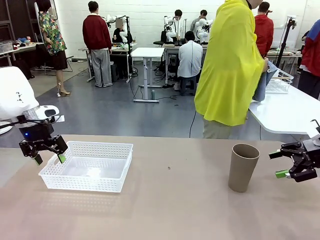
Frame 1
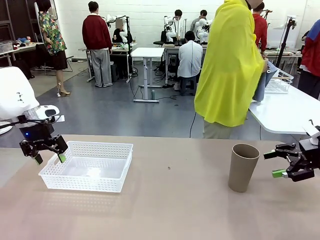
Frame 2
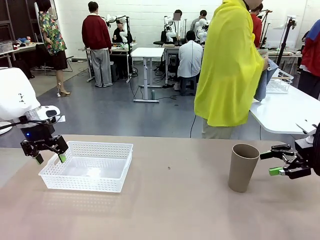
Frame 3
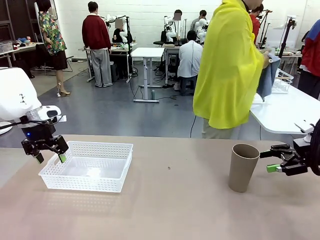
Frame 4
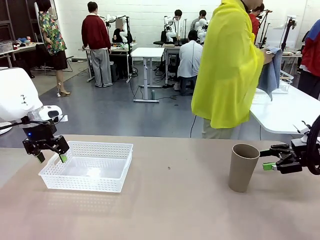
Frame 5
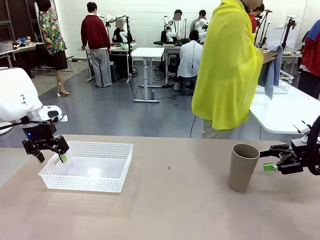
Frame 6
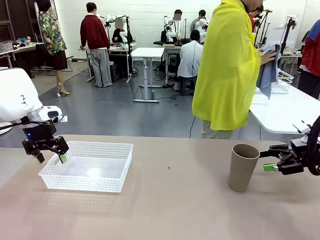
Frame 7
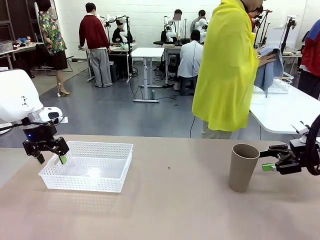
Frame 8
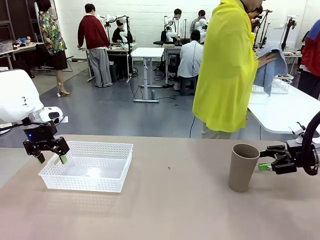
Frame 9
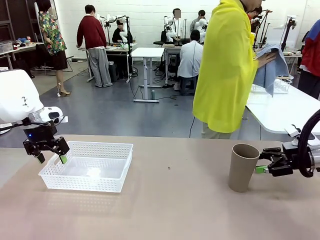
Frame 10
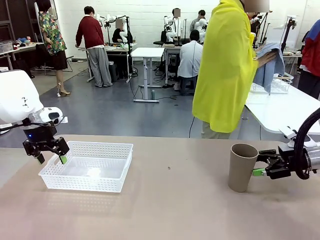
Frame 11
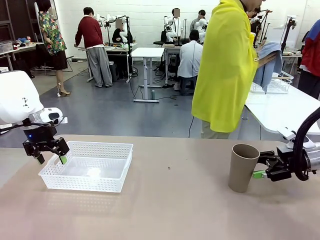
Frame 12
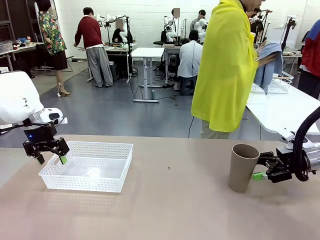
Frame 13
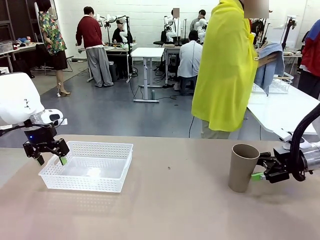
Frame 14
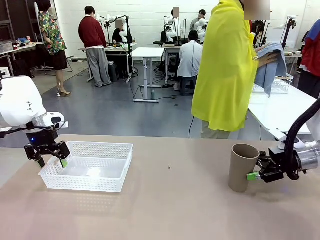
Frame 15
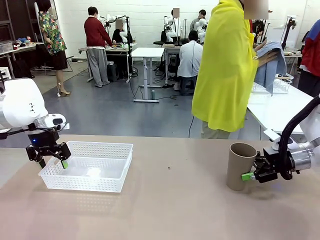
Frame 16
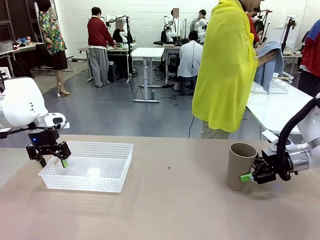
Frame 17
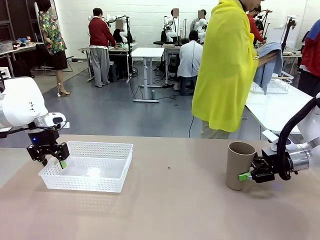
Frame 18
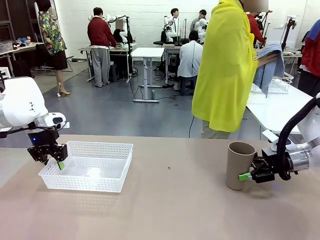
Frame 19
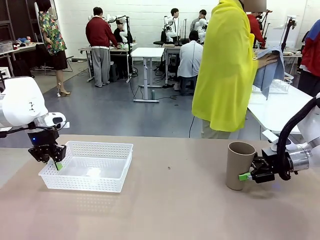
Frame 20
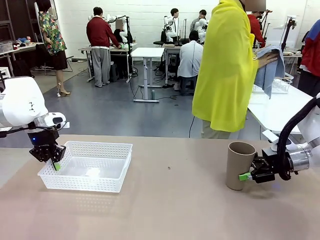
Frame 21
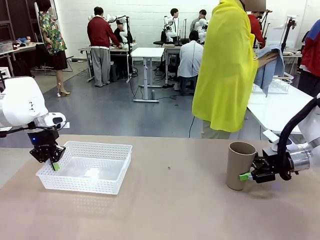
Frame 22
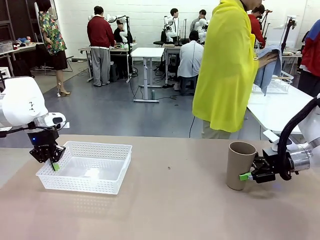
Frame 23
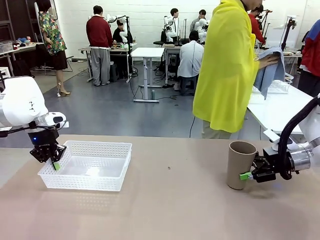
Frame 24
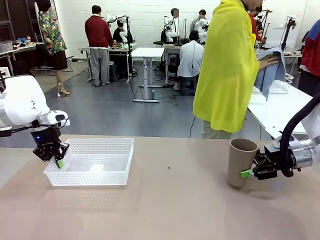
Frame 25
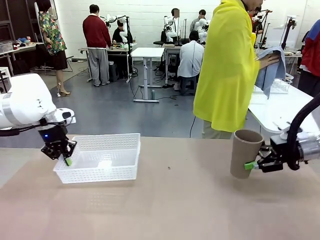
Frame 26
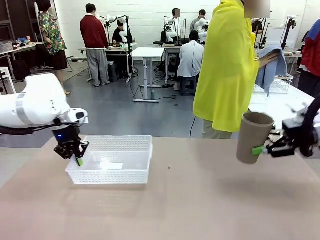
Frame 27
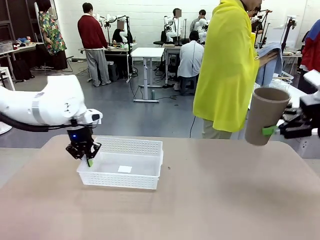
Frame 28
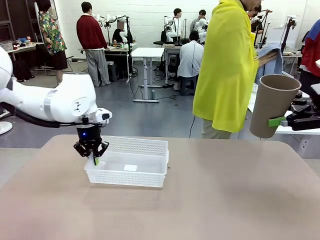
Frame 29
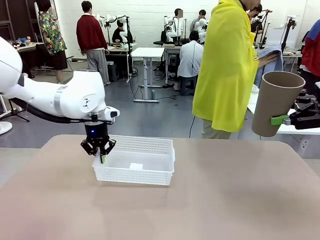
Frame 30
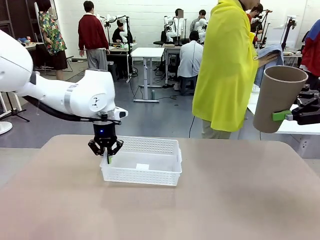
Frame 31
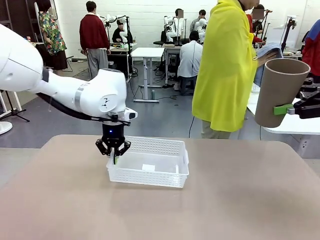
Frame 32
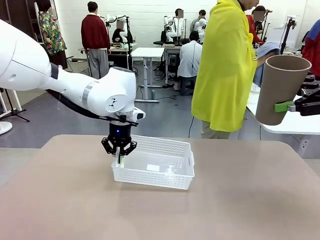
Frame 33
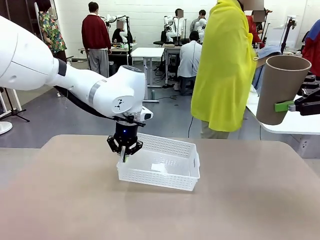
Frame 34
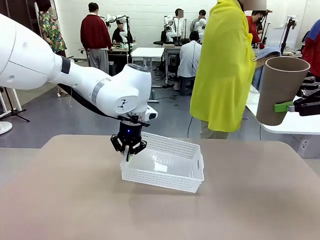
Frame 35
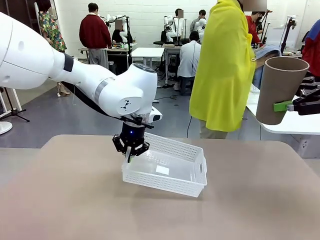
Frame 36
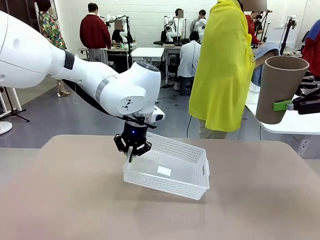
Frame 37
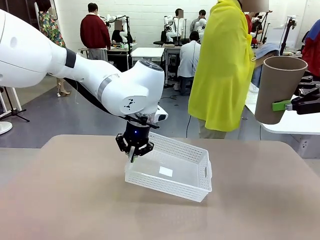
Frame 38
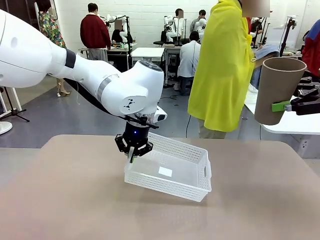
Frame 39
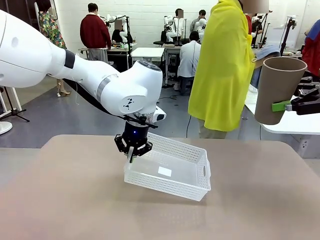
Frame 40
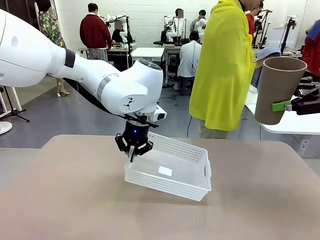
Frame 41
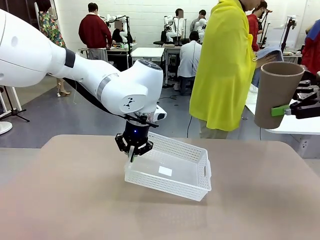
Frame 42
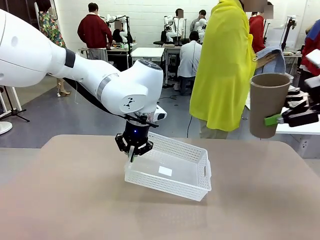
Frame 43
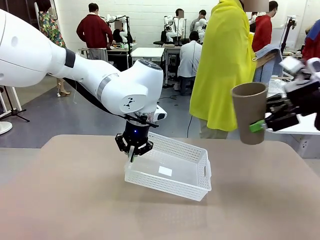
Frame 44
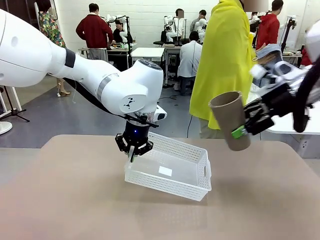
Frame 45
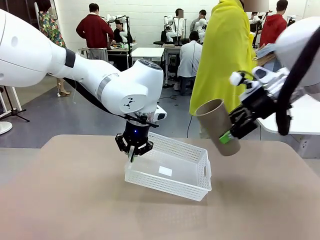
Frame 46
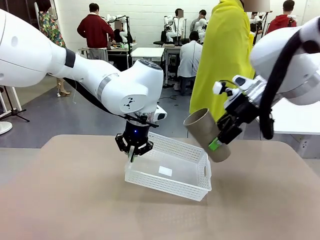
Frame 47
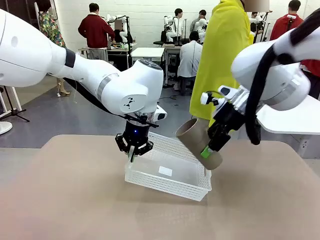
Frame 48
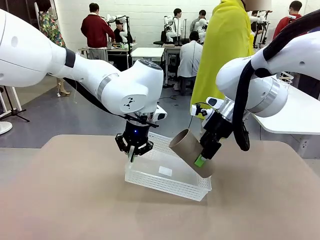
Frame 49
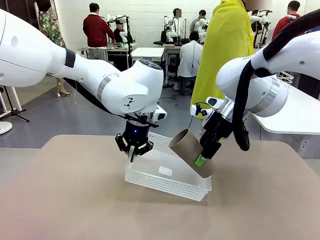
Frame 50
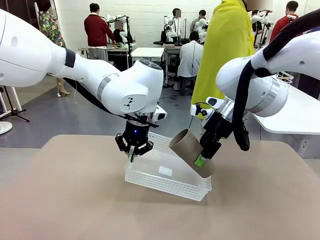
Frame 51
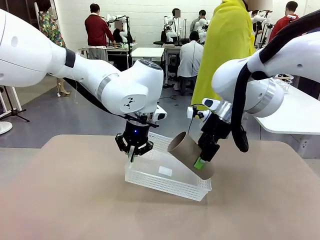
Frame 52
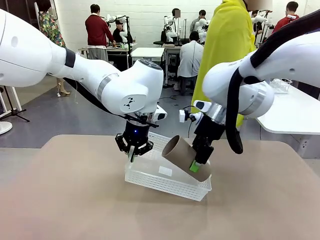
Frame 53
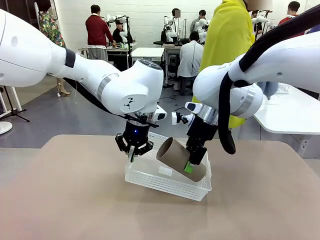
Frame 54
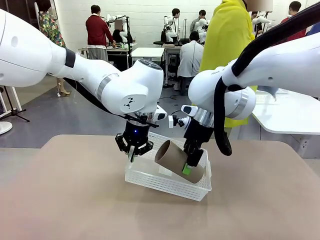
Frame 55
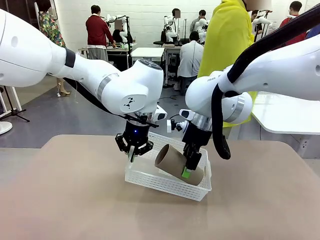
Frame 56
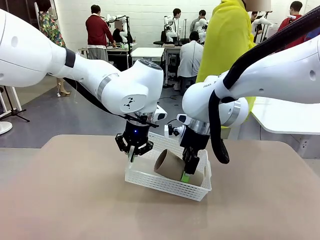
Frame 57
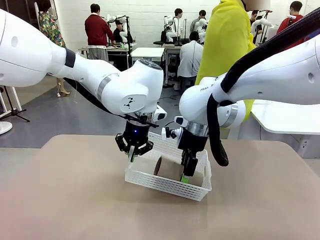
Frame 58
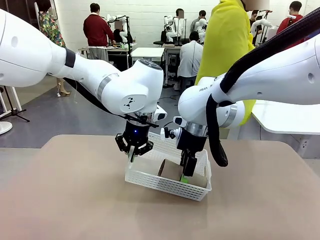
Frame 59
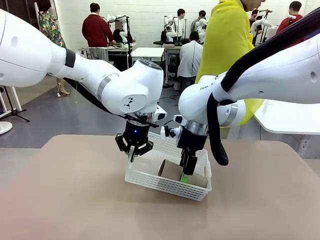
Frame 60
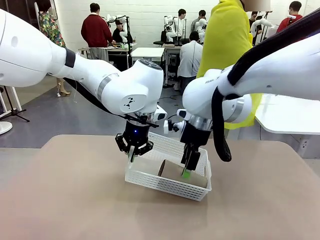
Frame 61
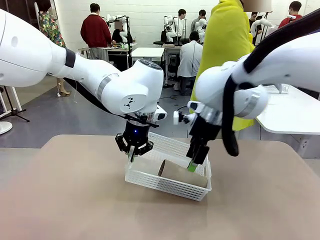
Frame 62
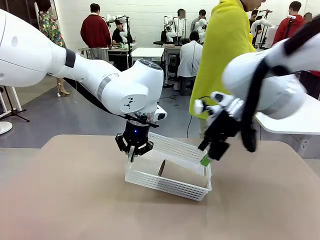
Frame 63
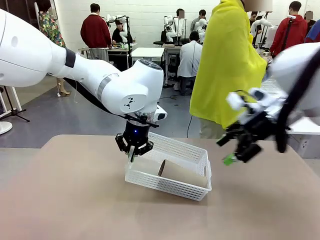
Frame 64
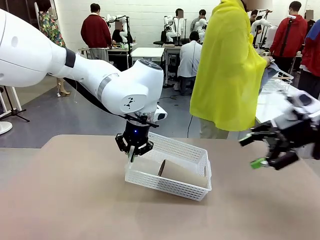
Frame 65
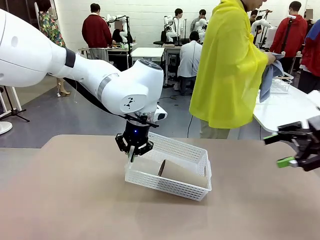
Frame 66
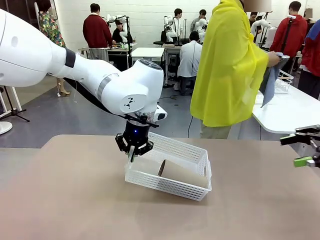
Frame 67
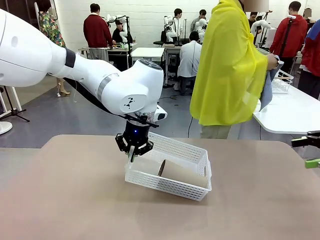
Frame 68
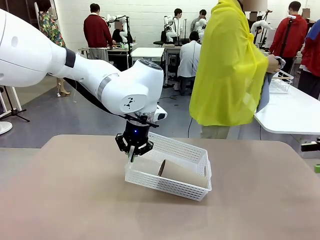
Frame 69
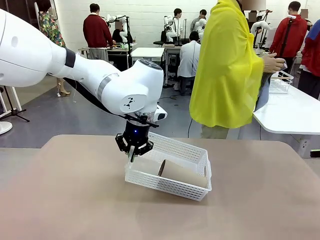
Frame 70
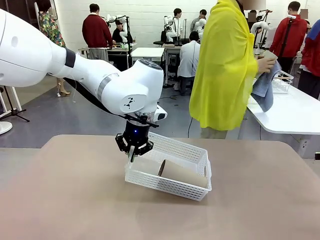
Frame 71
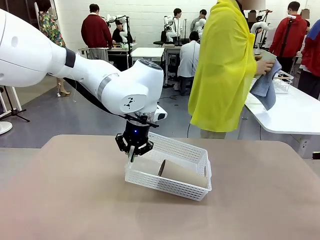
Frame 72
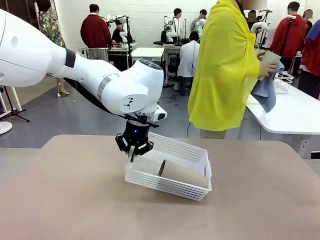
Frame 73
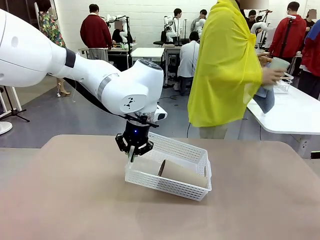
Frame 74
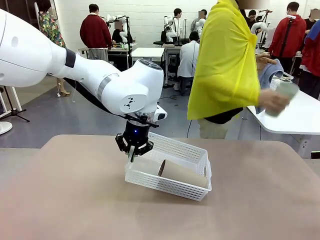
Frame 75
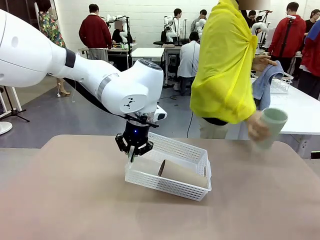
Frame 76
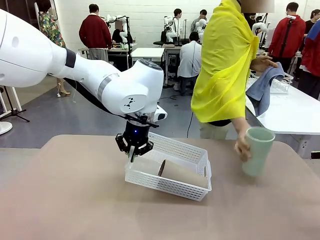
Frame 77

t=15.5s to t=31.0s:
Task: Clean and organize the cups into the basket.
Robot: Pick up the Organizing basket and move it to the center of the table, then pick up the Reusable plastic cup from the right side of the table and place it inside the Organizing basket.

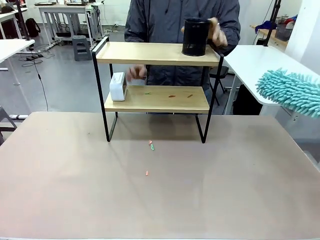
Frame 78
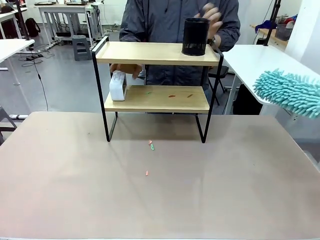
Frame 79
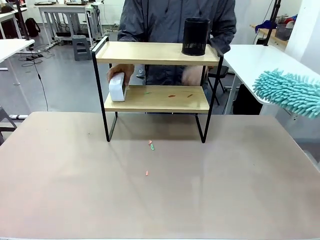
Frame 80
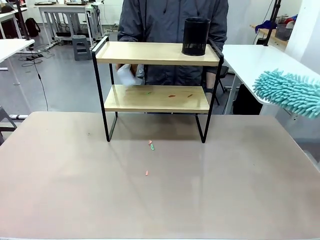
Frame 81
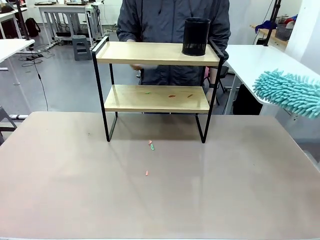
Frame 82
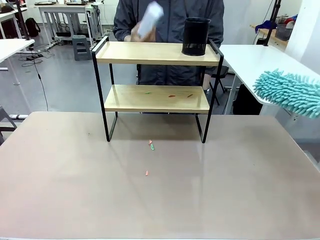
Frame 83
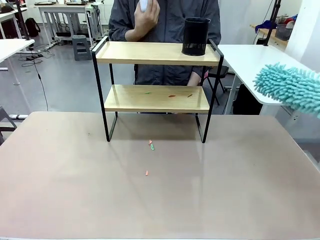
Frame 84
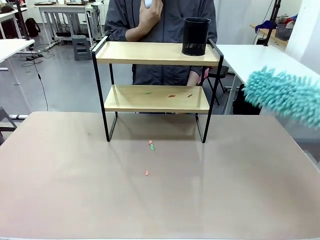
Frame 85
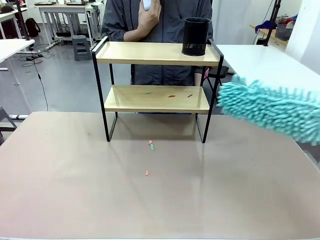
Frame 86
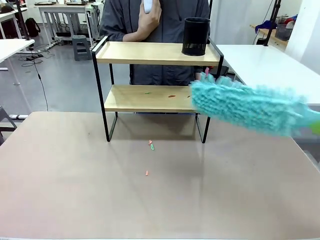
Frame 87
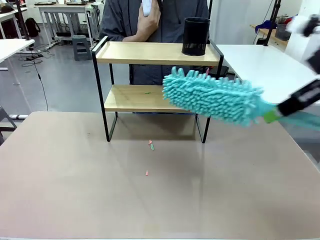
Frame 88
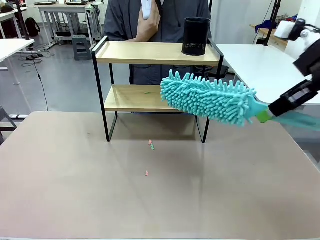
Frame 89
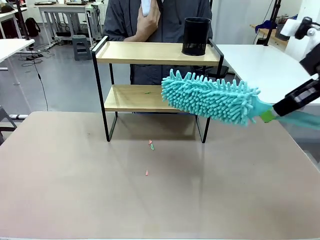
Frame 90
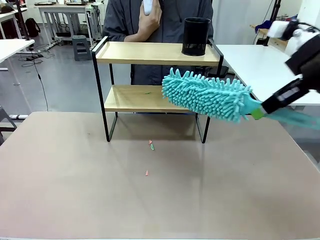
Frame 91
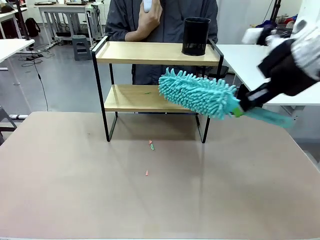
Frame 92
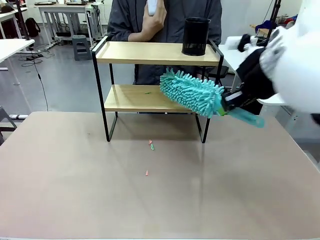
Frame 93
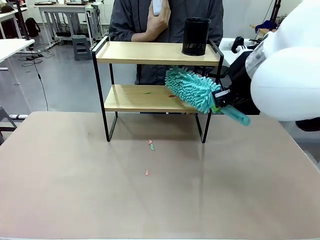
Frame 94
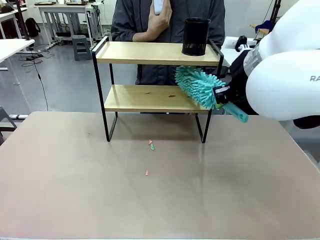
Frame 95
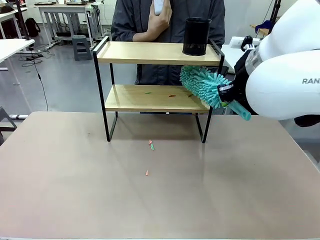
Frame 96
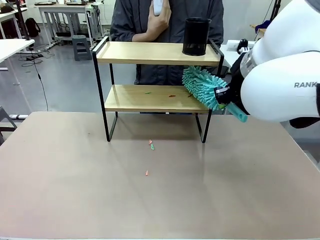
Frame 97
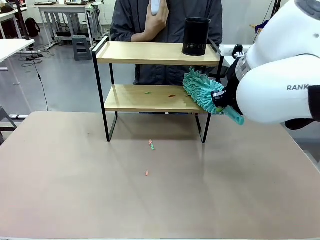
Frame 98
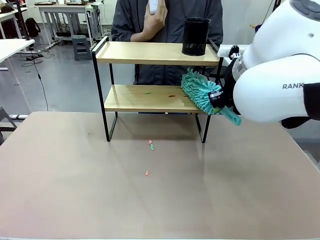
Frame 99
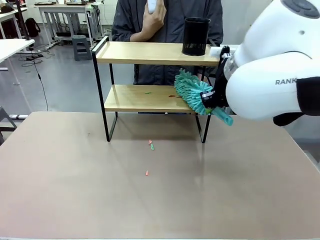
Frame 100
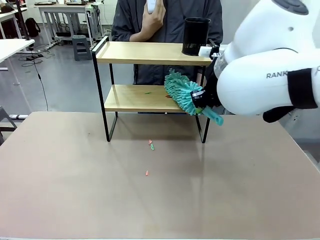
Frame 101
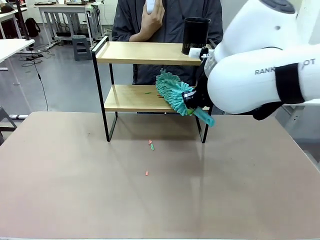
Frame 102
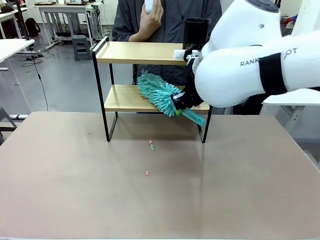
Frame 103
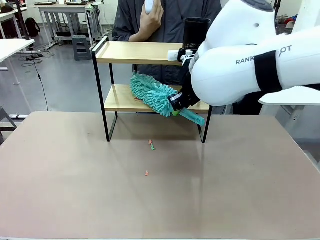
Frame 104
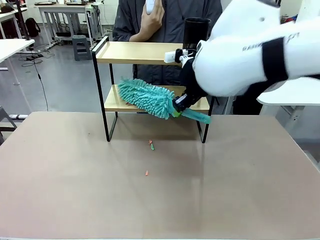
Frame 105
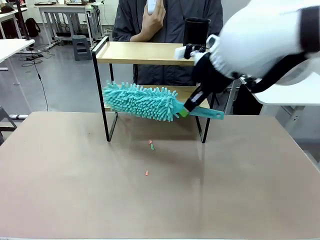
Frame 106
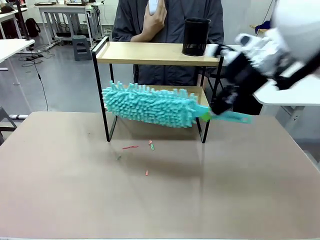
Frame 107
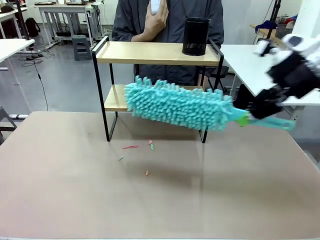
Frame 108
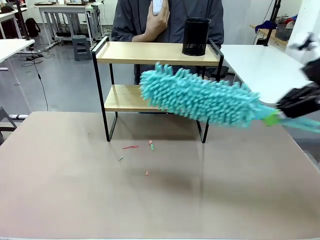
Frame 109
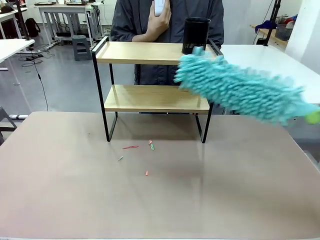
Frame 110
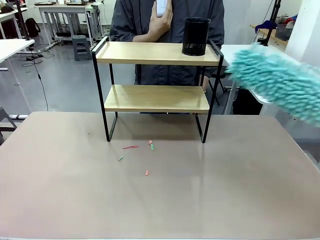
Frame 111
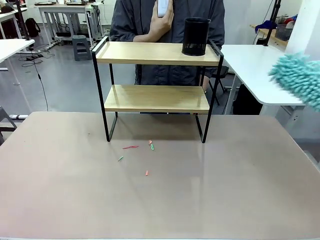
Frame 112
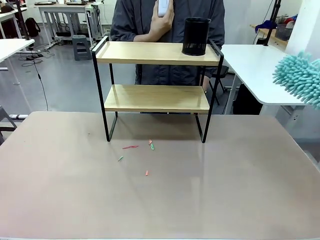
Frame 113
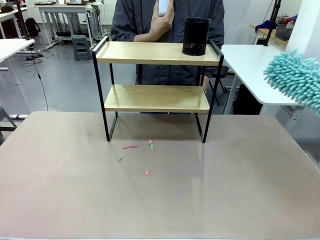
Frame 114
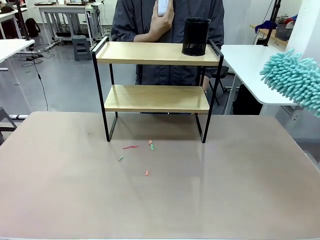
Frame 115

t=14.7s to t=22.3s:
Task: Clean the shelf.
Robot: Clean the remaining tier of the Shelf with the Duster once objects are removed.
